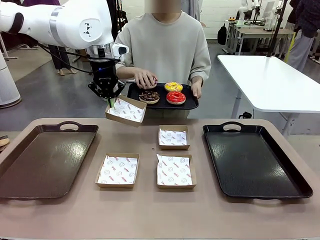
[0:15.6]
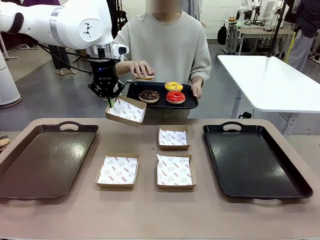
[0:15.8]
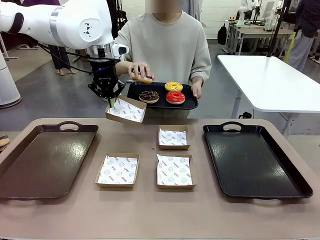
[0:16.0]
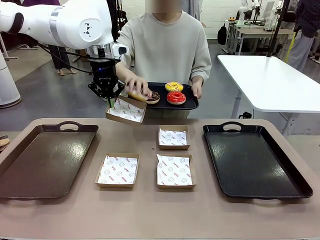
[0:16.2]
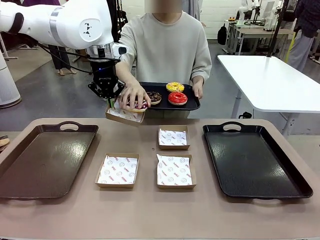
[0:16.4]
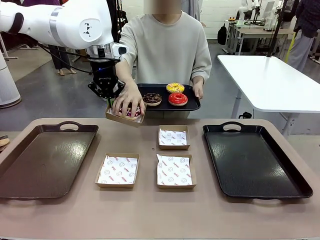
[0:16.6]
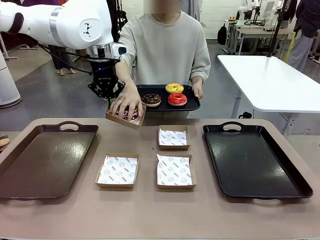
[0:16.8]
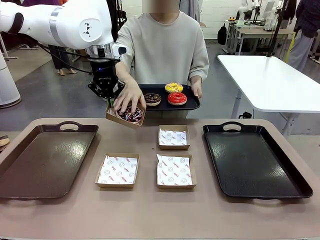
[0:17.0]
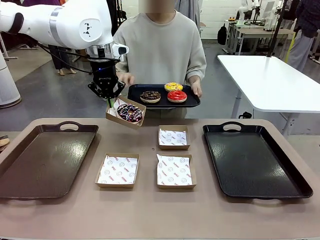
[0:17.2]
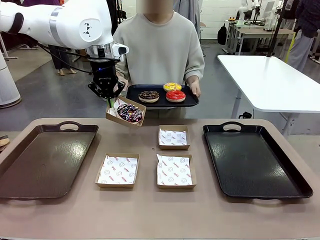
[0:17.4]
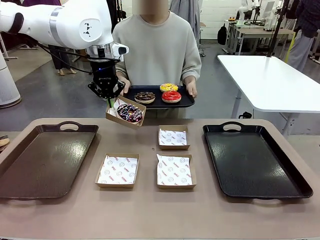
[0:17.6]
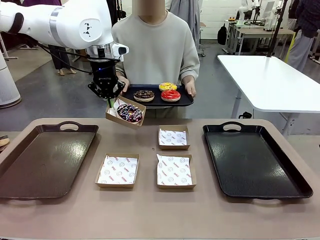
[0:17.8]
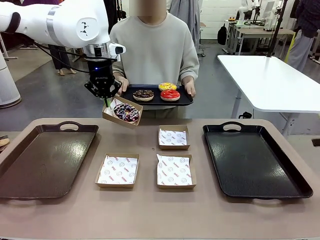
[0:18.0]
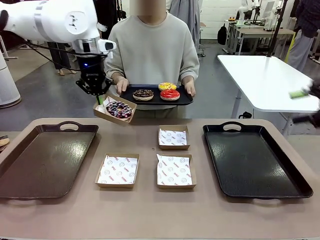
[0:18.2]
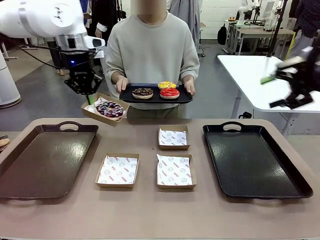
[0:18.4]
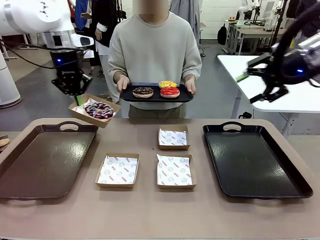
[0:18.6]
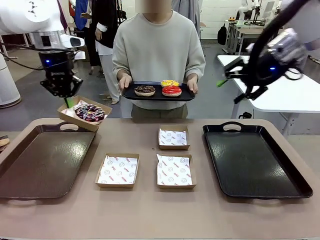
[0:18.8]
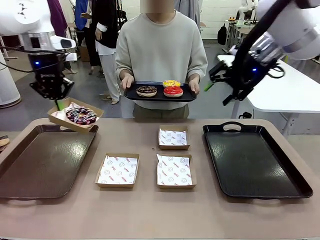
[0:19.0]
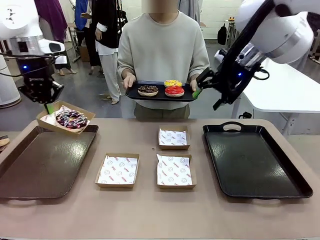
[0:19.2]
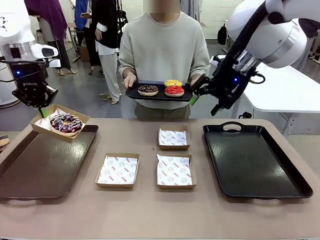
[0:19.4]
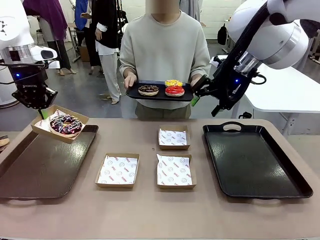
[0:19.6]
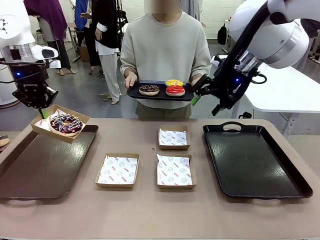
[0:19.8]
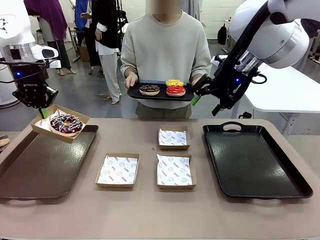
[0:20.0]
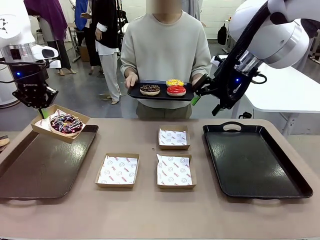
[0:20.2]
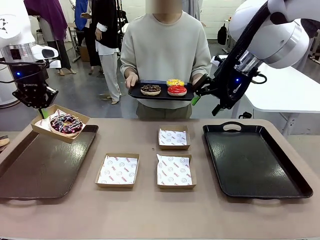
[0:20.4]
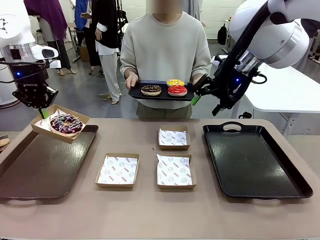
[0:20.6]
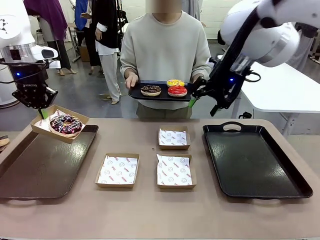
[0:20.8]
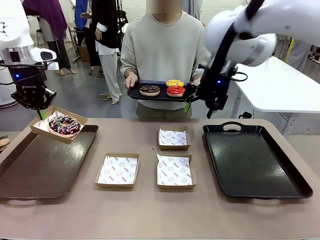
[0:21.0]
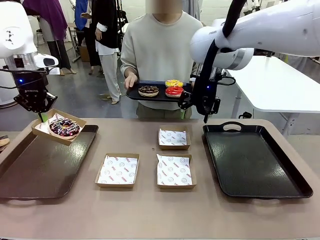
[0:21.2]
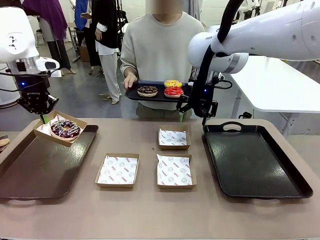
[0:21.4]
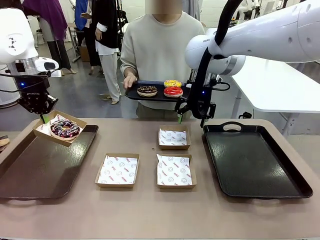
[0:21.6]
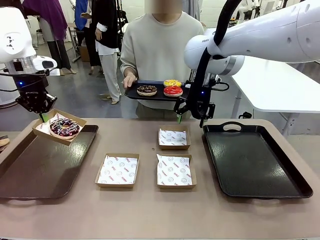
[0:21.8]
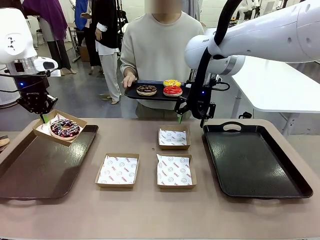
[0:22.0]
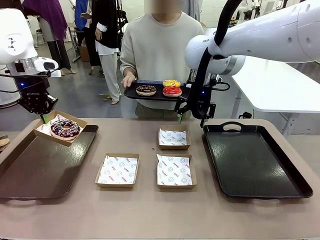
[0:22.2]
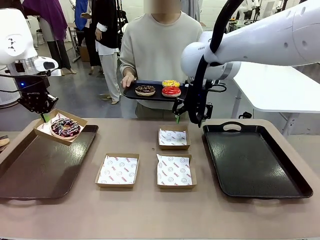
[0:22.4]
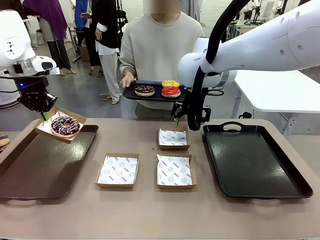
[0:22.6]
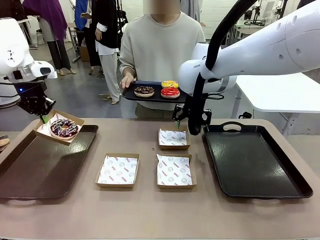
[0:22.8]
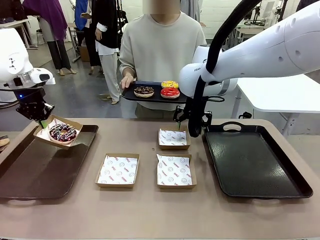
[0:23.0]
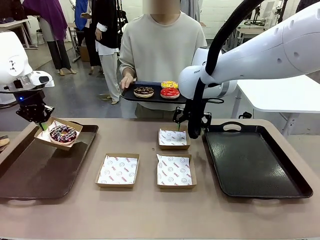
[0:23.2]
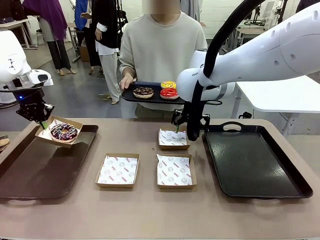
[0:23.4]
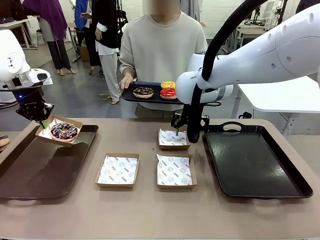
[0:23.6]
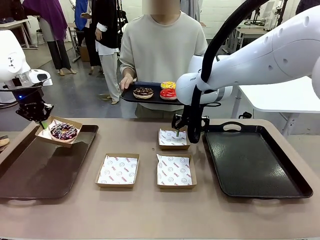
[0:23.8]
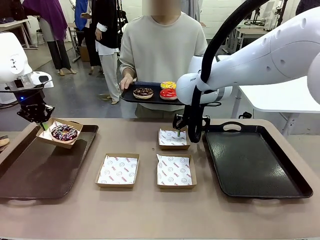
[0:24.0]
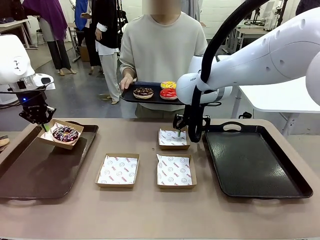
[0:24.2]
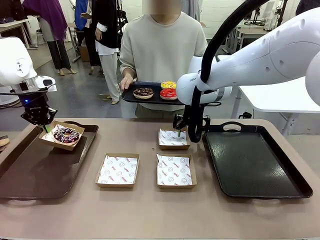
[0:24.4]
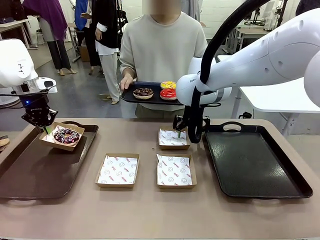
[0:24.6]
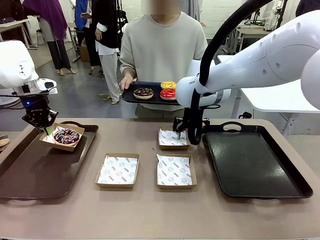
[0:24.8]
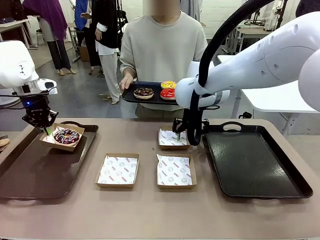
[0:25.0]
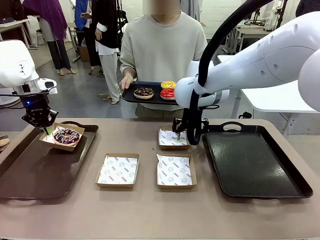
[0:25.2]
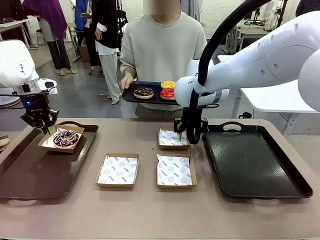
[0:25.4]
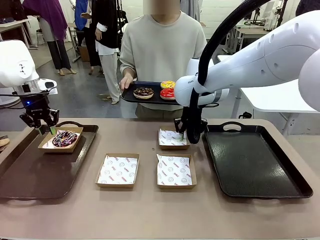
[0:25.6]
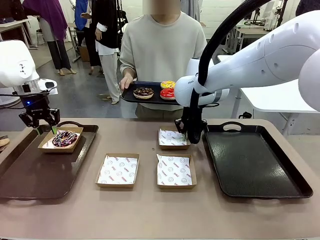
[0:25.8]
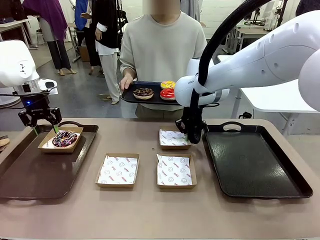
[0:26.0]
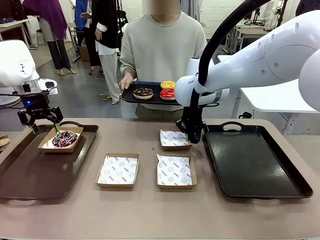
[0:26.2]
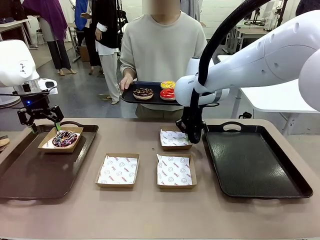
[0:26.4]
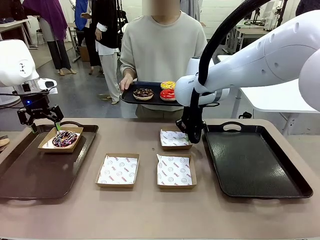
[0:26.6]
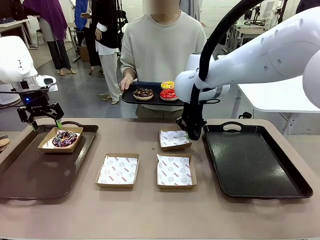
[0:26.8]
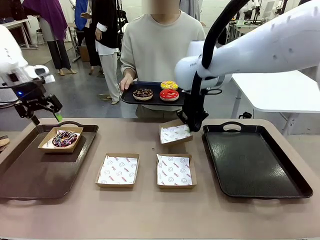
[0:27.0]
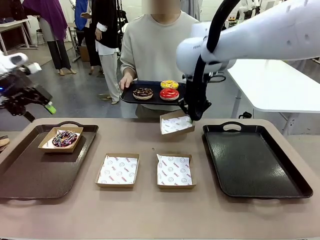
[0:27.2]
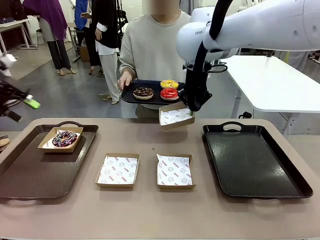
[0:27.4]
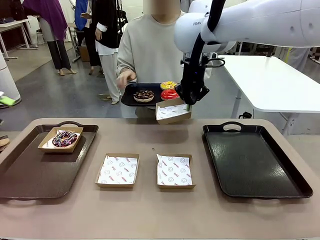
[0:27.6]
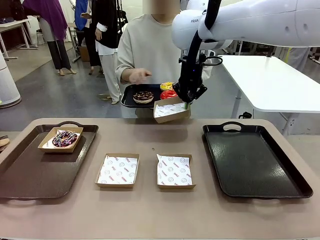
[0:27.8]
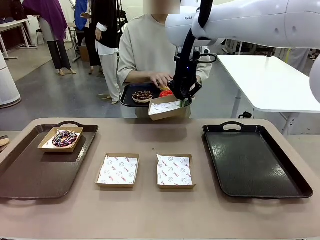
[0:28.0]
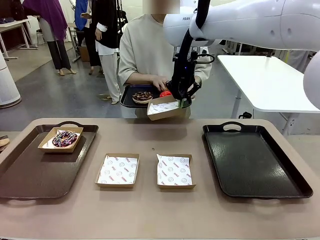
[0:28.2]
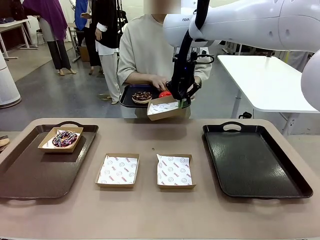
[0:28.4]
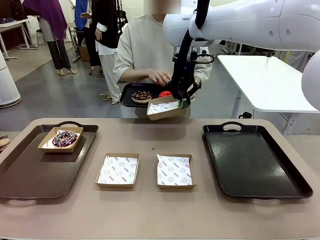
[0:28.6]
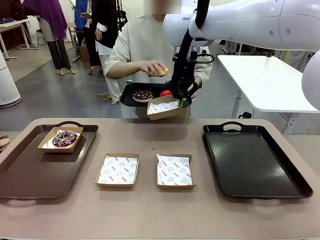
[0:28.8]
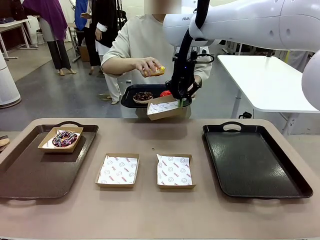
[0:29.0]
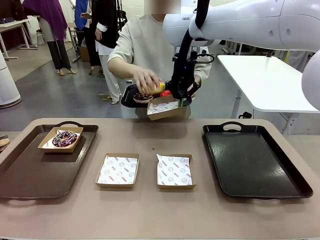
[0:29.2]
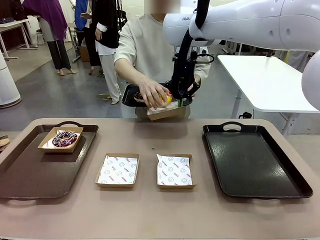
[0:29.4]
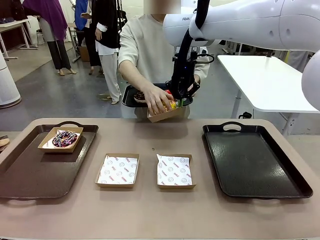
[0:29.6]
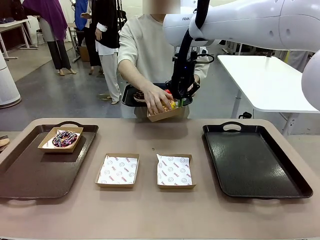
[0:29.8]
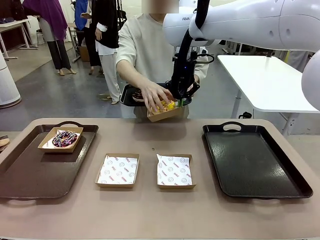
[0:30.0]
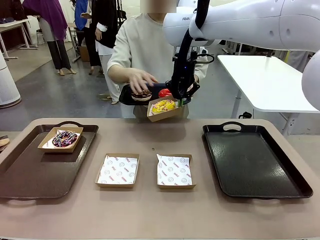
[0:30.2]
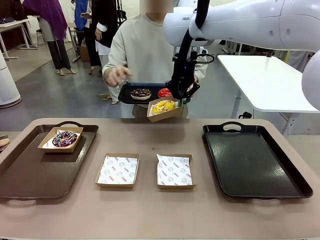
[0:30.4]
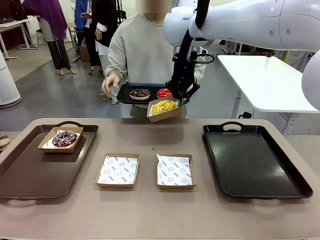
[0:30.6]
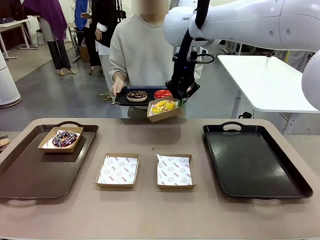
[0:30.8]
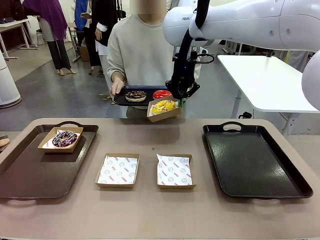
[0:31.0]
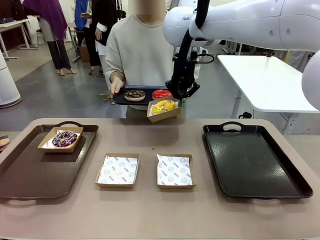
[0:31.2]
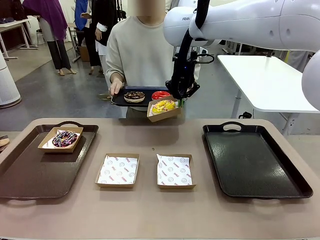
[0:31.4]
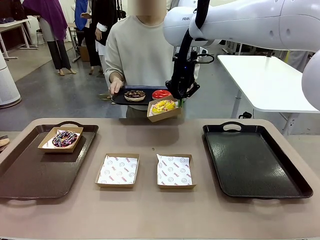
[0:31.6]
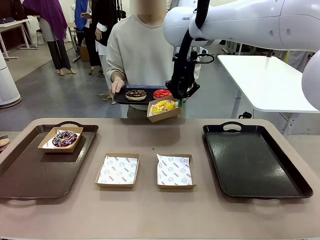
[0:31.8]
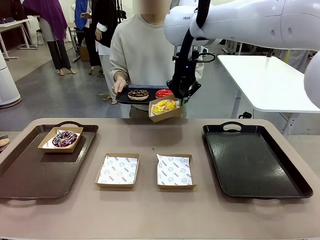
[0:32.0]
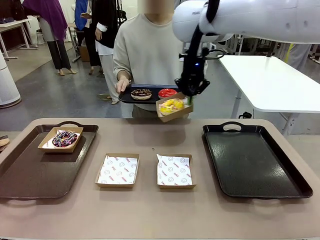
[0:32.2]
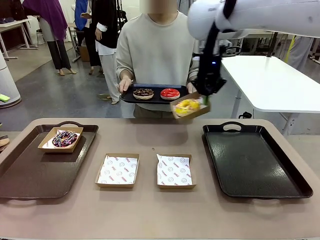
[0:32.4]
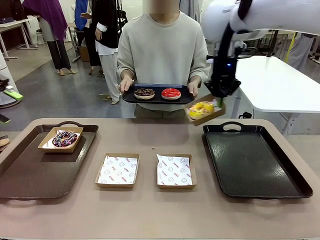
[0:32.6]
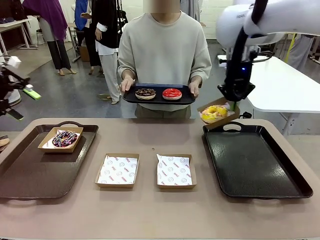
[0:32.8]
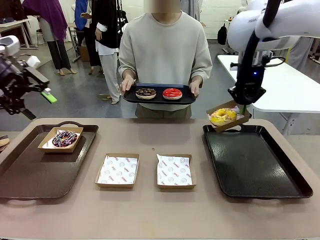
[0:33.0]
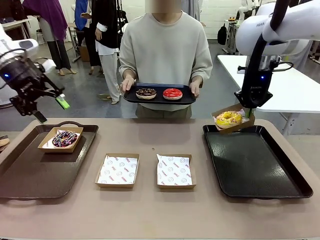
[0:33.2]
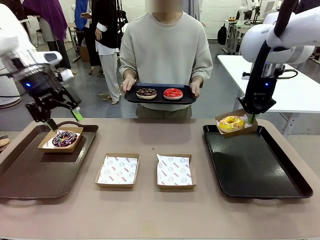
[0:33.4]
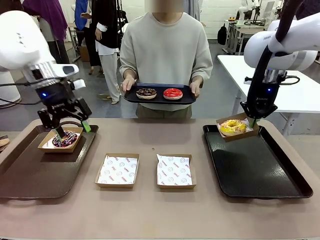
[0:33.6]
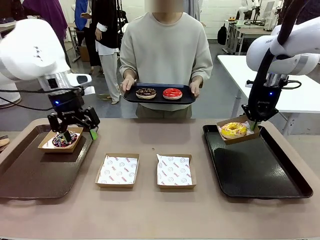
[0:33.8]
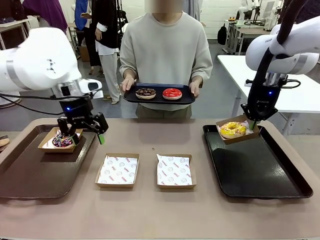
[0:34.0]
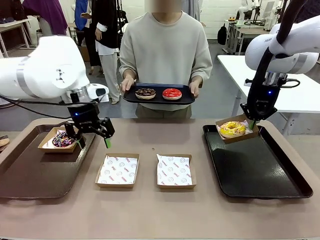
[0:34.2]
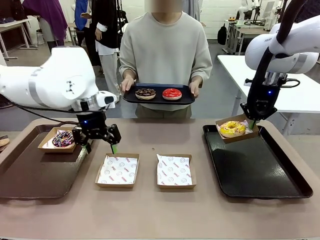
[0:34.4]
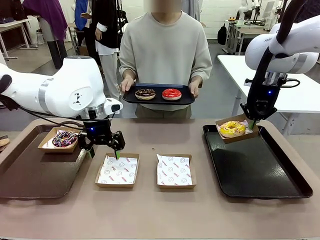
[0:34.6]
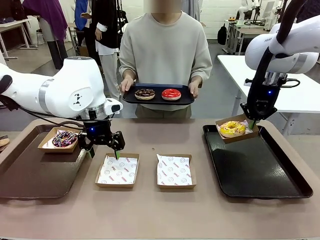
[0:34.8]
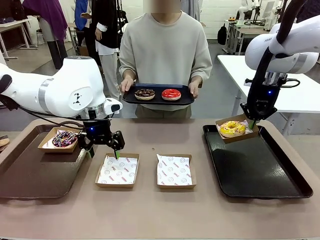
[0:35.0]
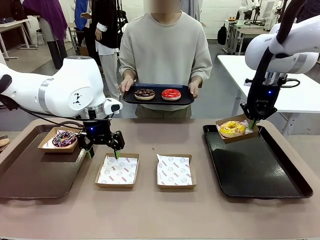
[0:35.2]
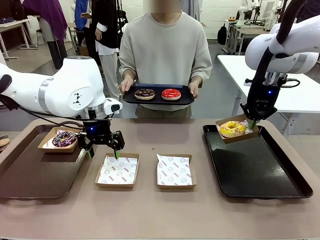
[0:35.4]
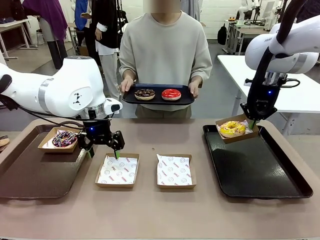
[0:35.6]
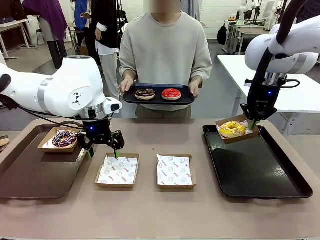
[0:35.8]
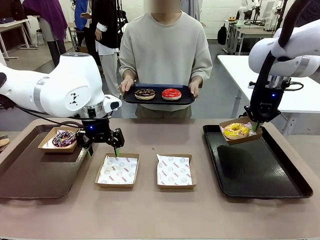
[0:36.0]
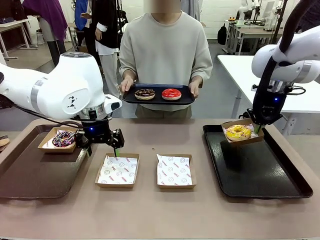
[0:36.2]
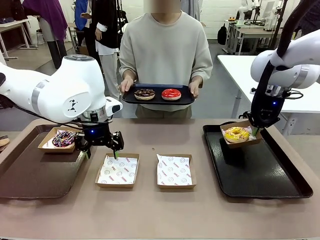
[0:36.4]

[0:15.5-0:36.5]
Task: Individually package the donuts and arrange them on the tray.
Robot: Place the picked Paper togo box on the Handle tray while simultaneously picking up another Paper togo box from the table with the other hand.
